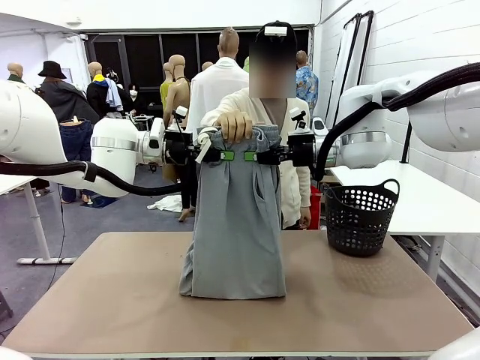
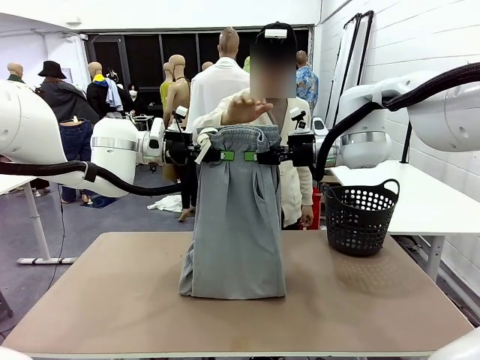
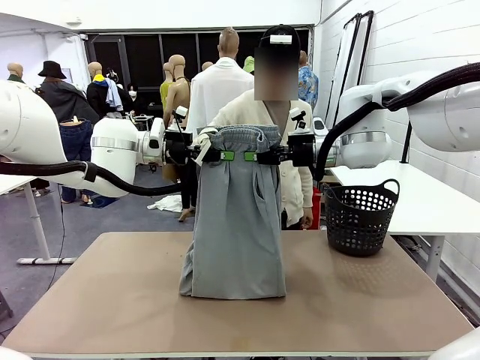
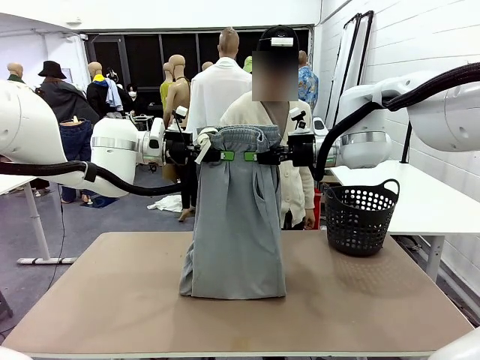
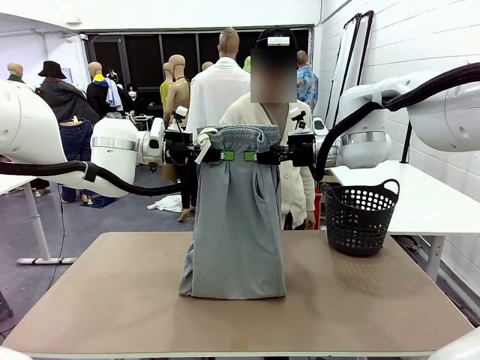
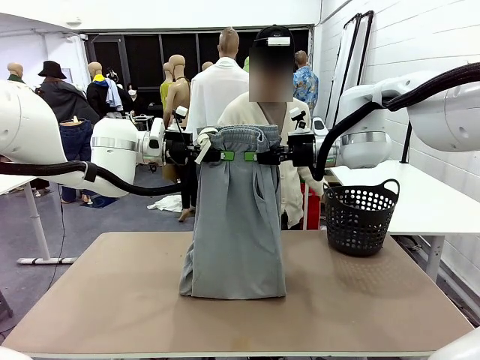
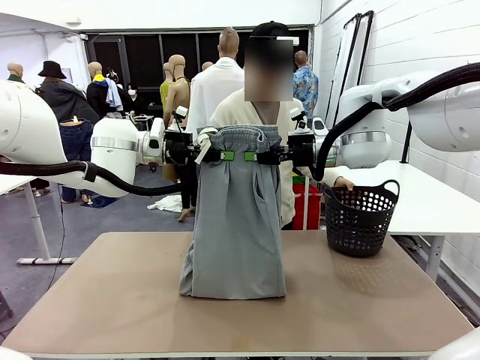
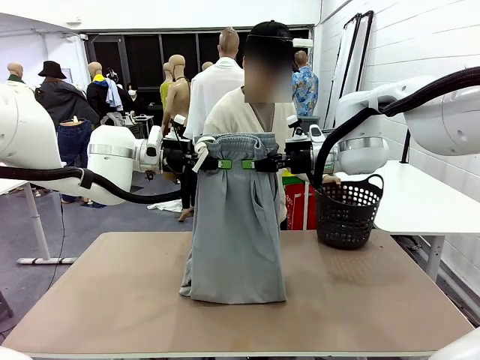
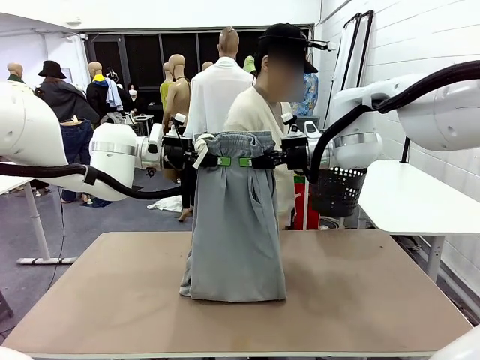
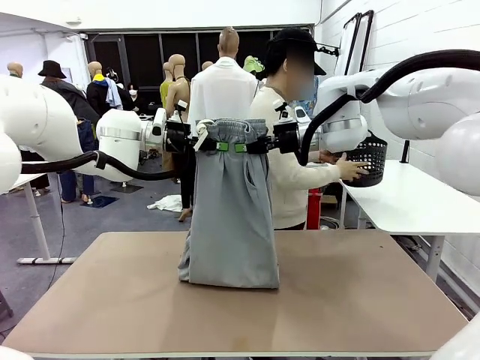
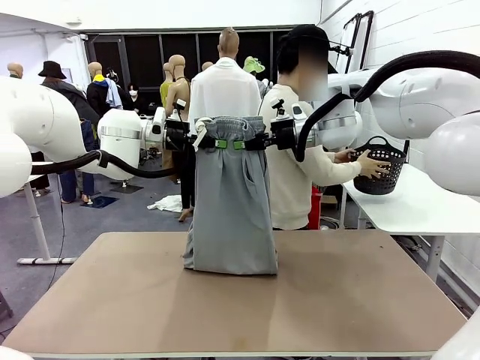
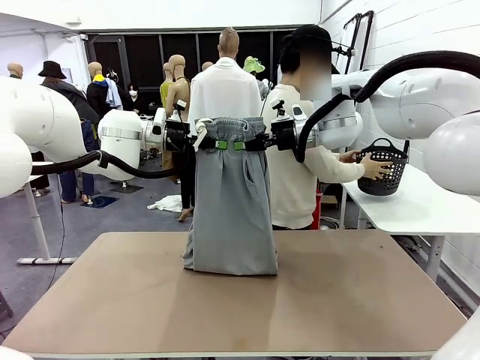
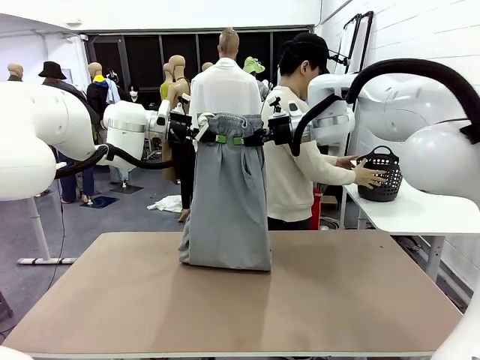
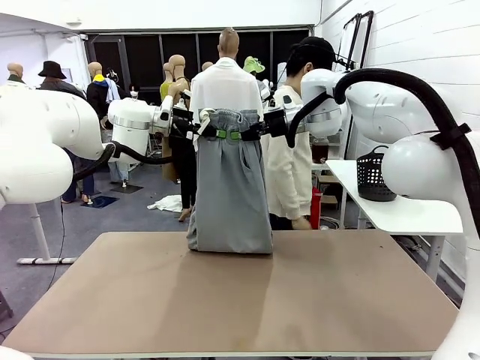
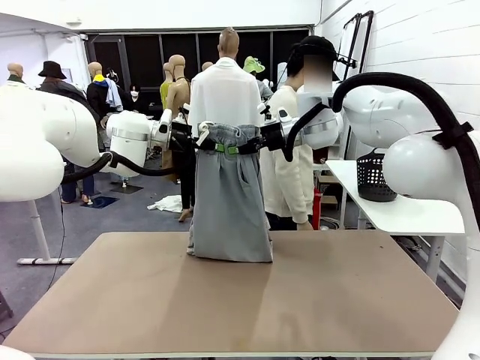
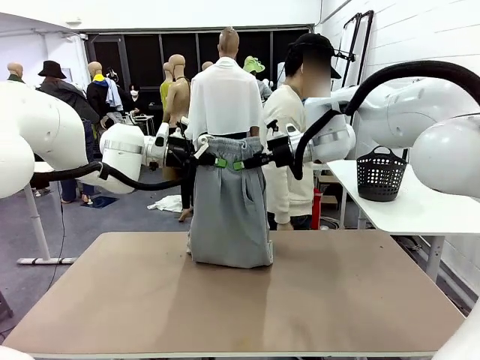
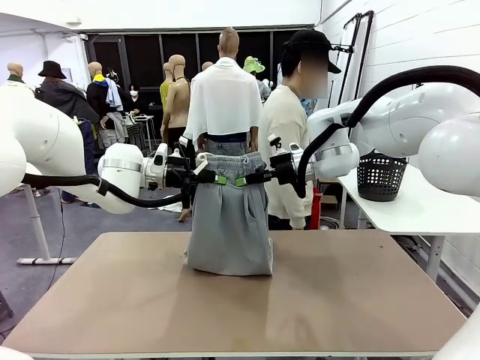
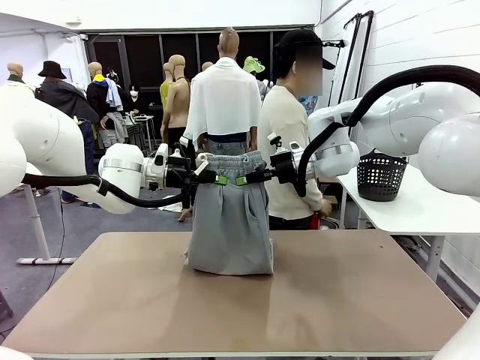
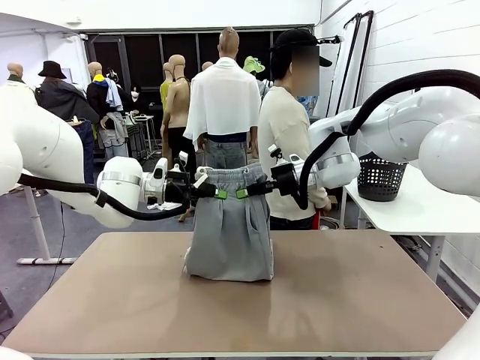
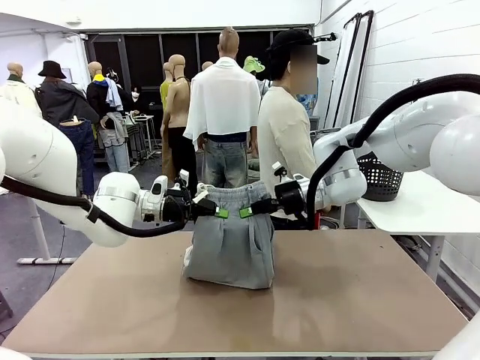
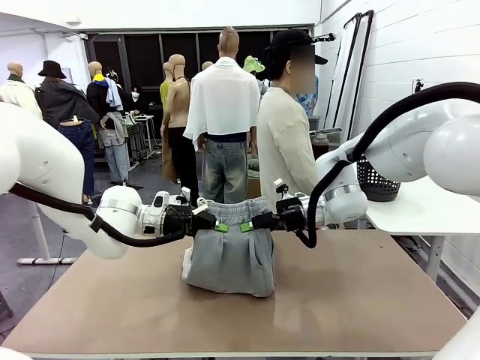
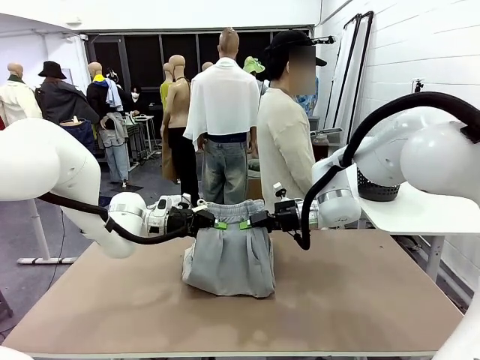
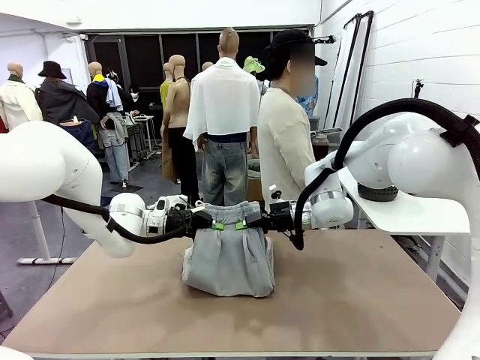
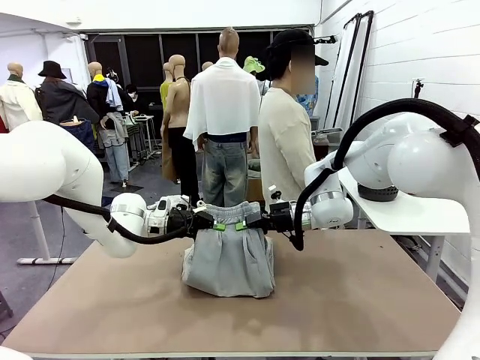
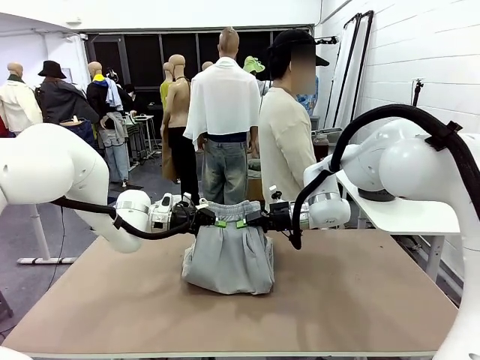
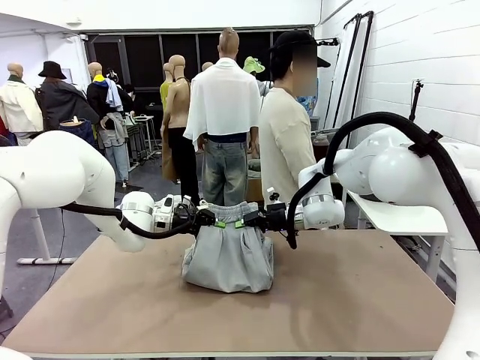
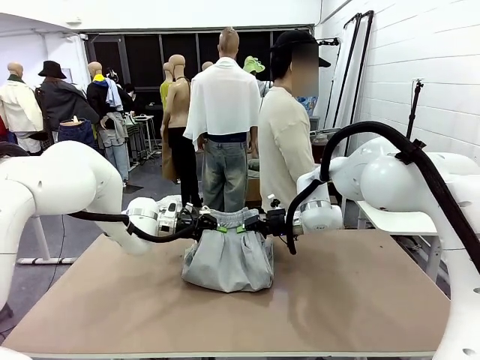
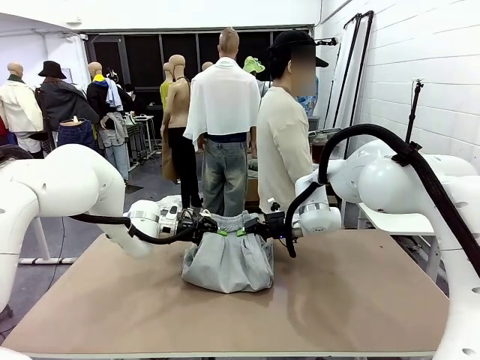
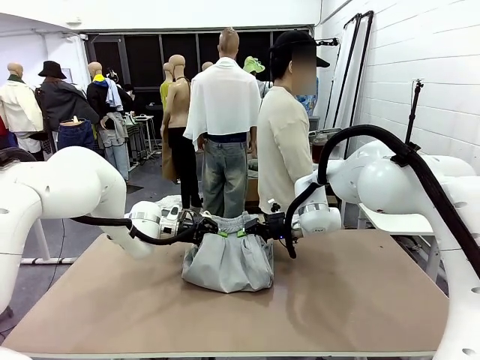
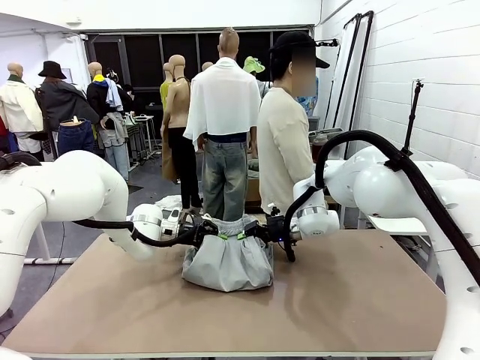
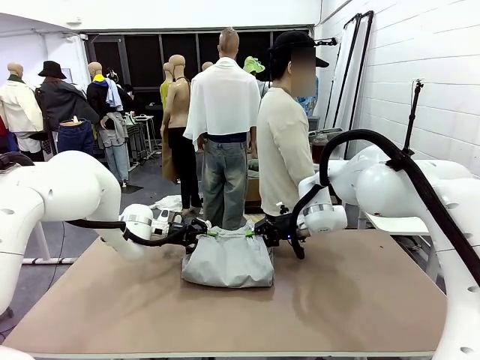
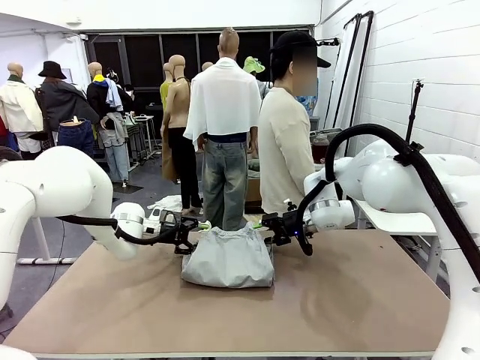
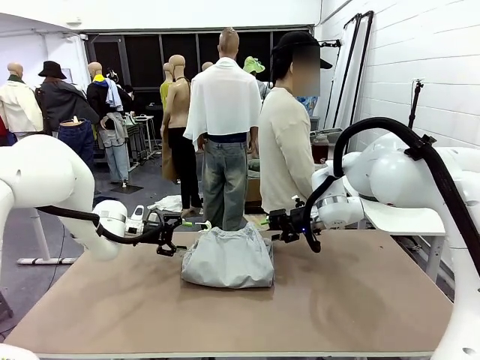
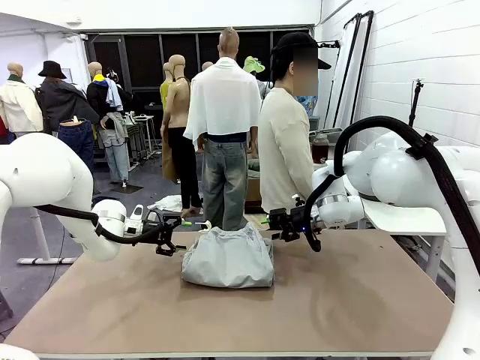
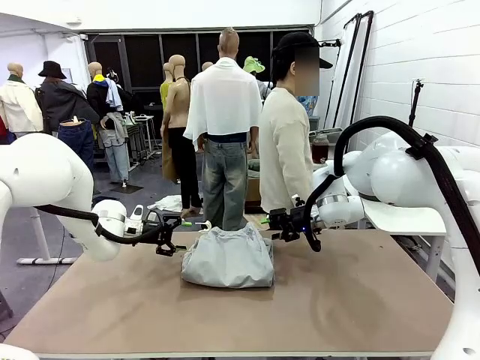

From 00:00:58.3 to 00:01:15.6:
Task: Fold the training pants.
Robot: Fold the Training pants in half.
Person: Move the laundry basket to the right of the human table.

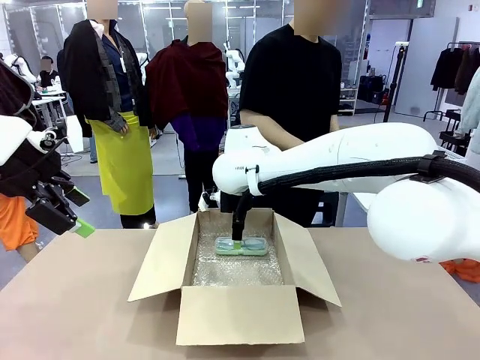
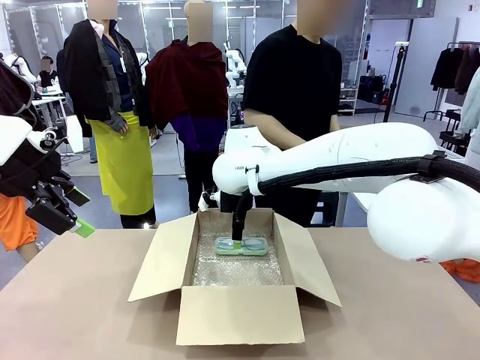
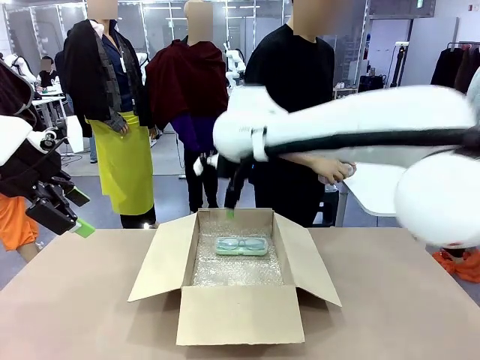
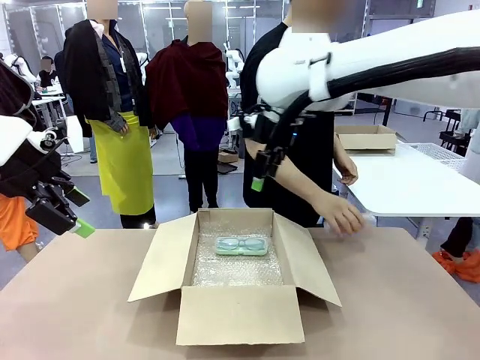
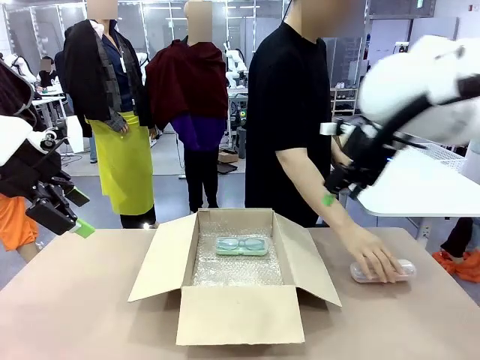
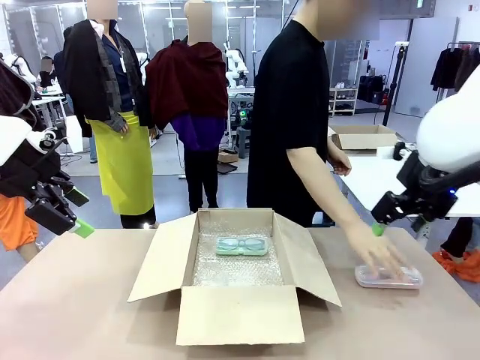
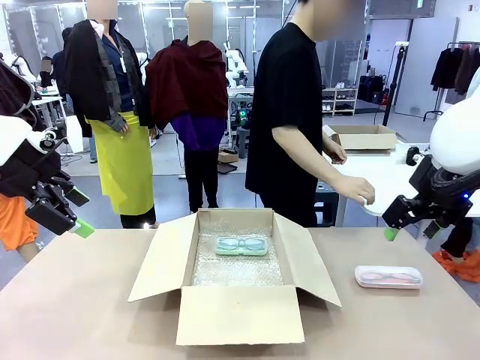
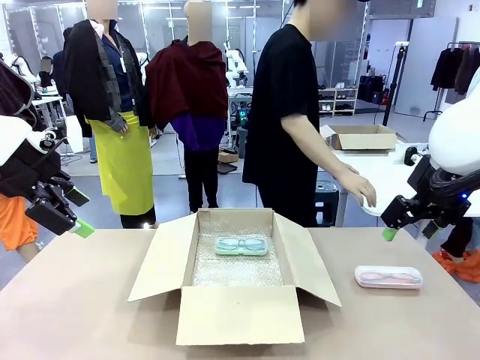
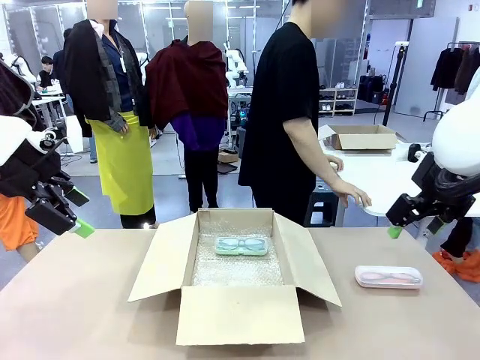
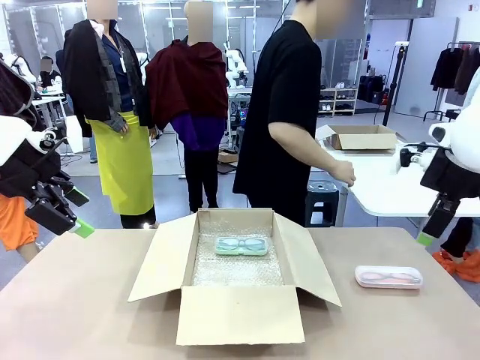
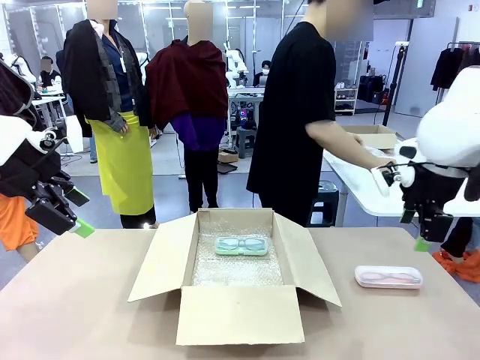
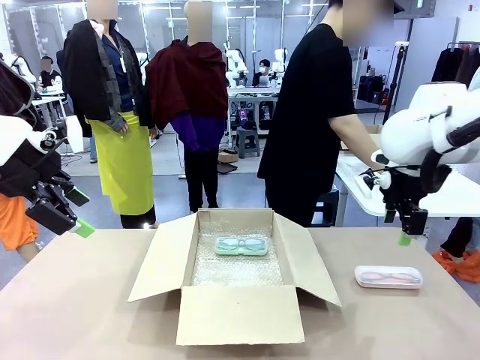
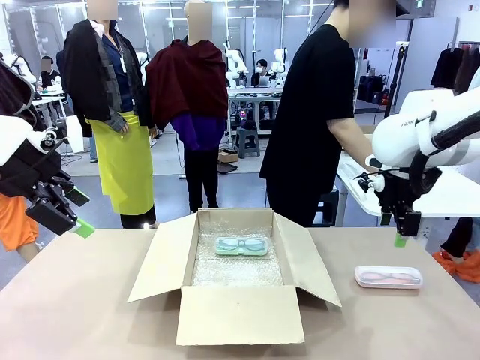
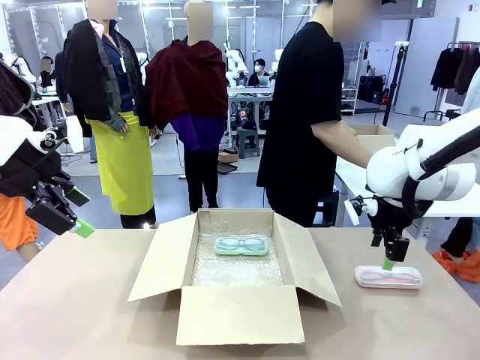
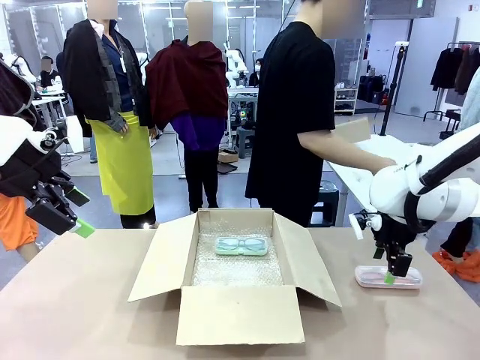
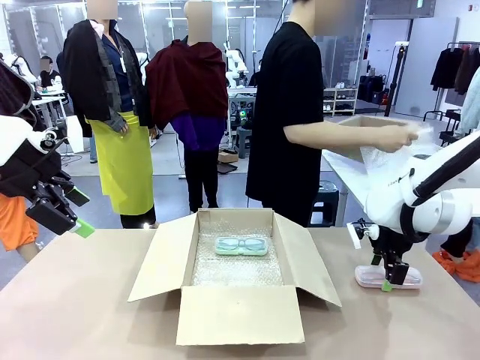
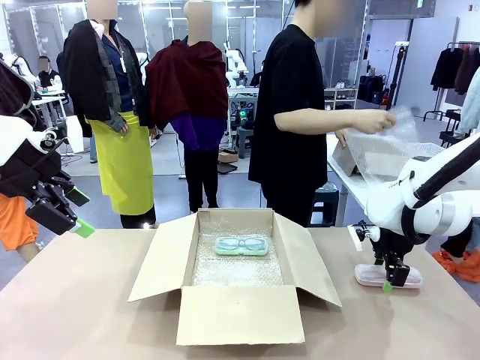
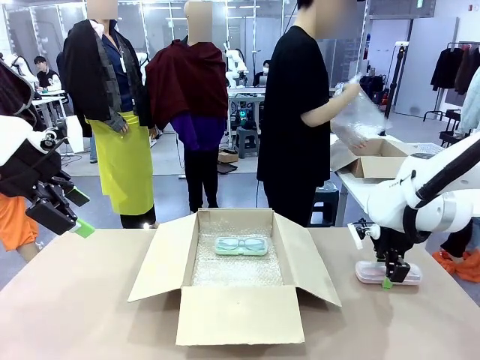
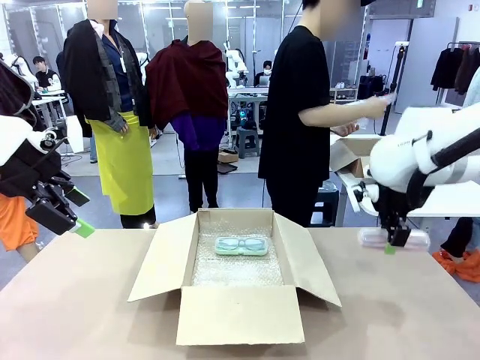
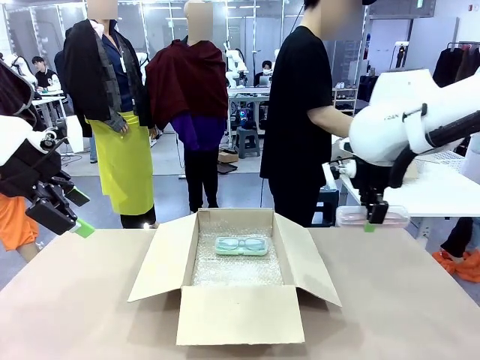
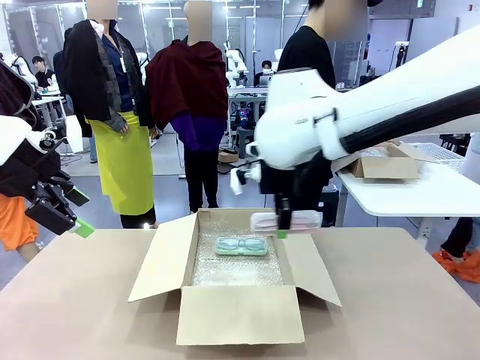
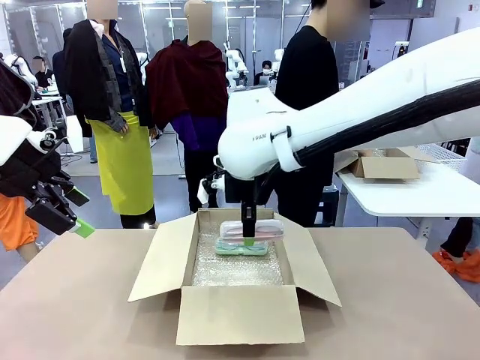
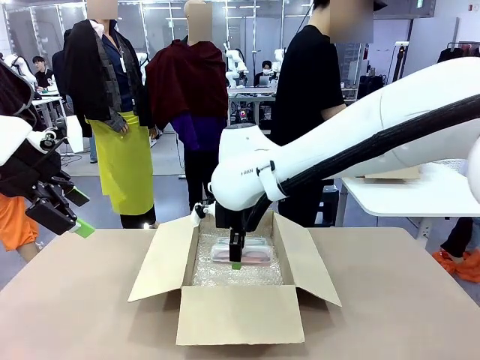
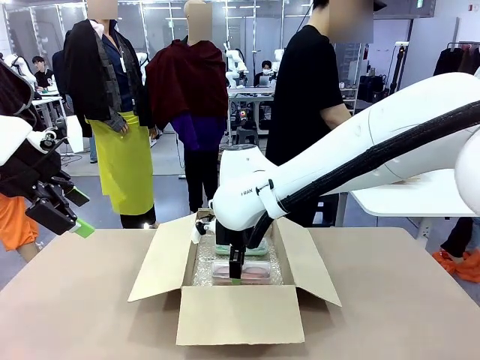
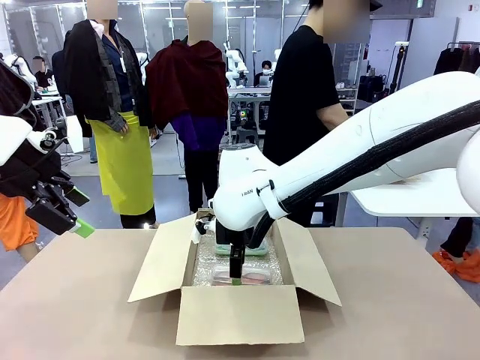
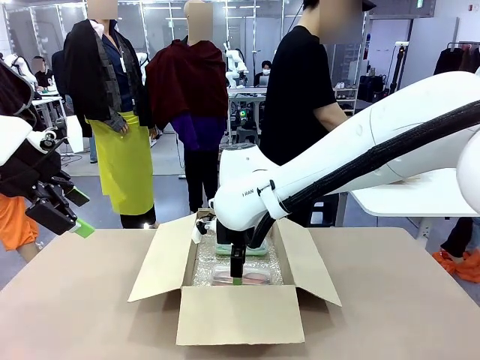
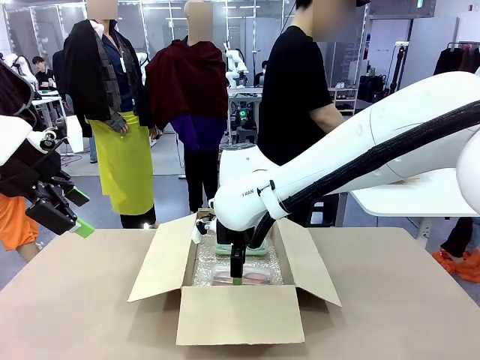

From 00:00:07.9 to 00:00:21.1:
Task: Pack the glasses set securely to prepare it for shipping.
Robot: Put the Glasses case from the right side of the table into the Package Box.
Person: Position the Glasses case on the left side of the robot's table.
